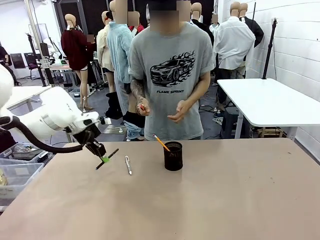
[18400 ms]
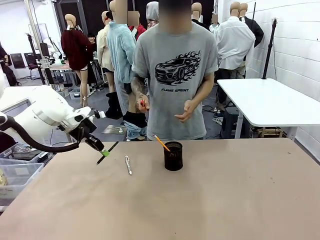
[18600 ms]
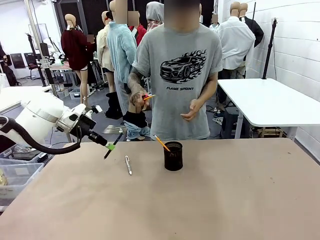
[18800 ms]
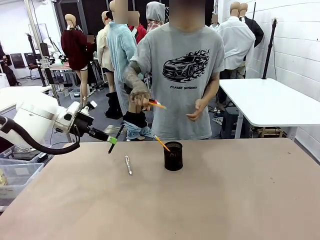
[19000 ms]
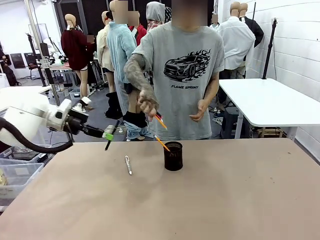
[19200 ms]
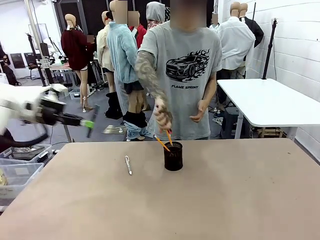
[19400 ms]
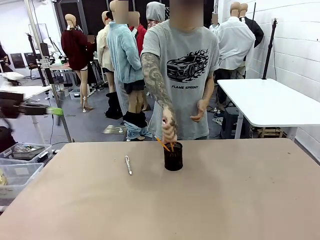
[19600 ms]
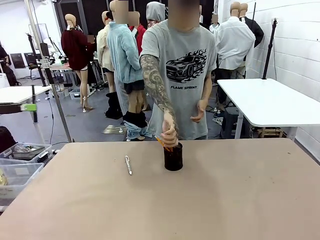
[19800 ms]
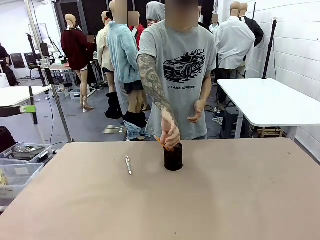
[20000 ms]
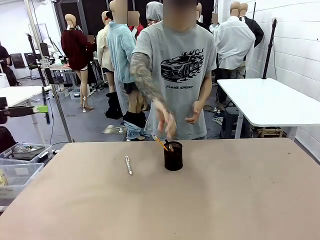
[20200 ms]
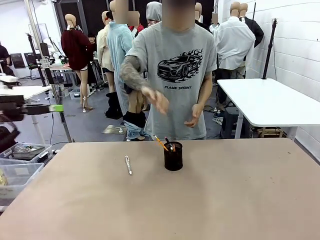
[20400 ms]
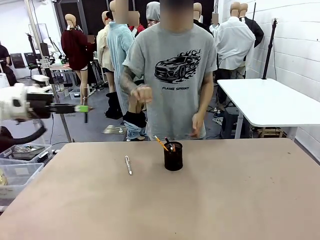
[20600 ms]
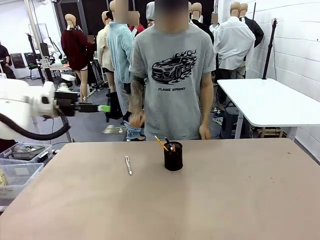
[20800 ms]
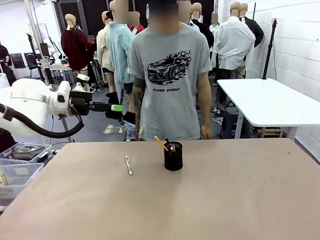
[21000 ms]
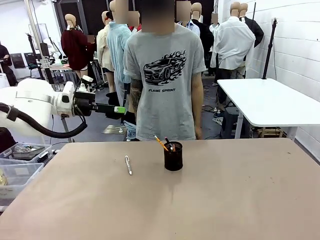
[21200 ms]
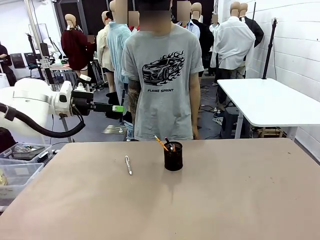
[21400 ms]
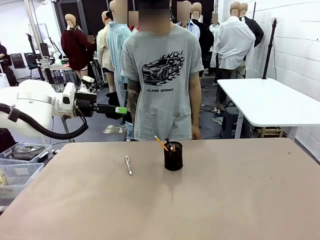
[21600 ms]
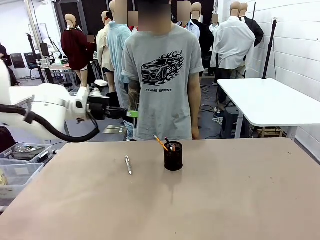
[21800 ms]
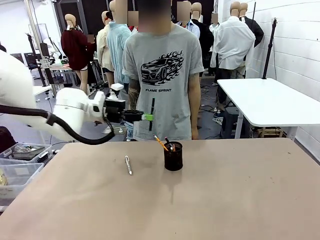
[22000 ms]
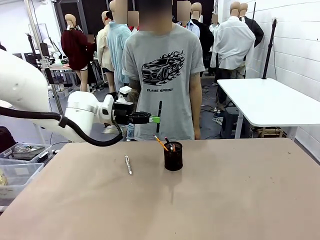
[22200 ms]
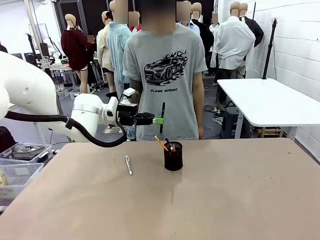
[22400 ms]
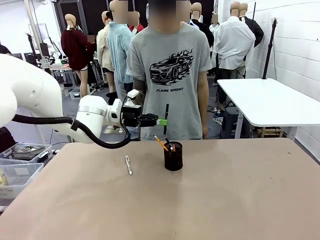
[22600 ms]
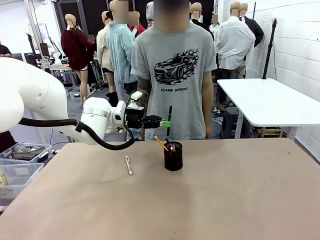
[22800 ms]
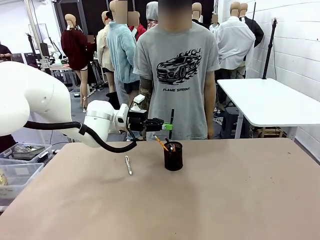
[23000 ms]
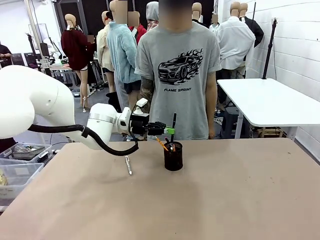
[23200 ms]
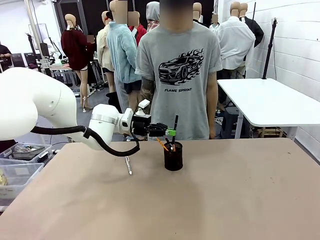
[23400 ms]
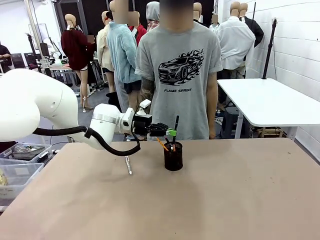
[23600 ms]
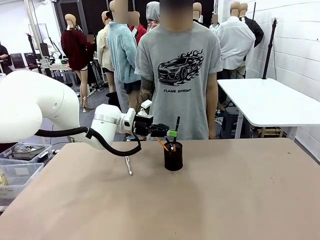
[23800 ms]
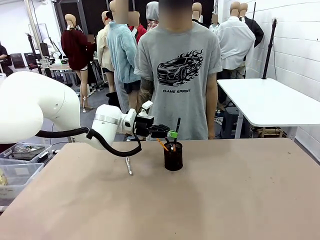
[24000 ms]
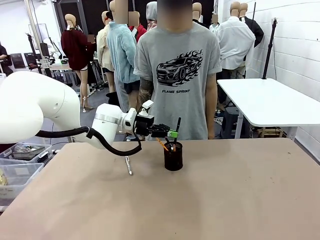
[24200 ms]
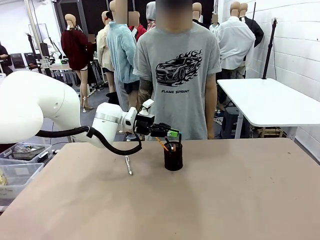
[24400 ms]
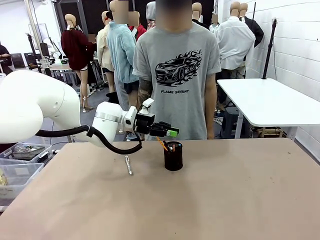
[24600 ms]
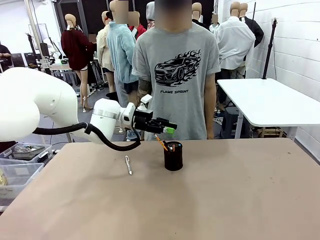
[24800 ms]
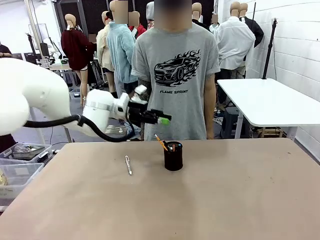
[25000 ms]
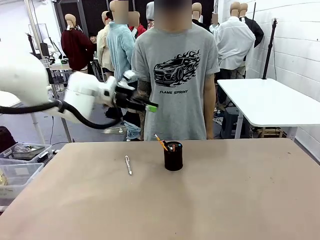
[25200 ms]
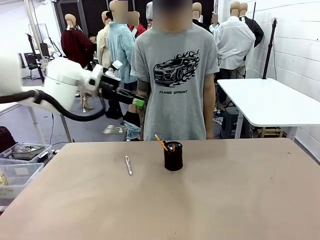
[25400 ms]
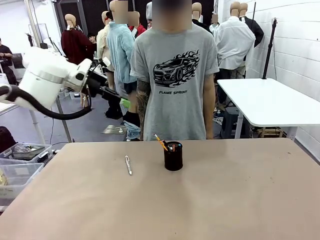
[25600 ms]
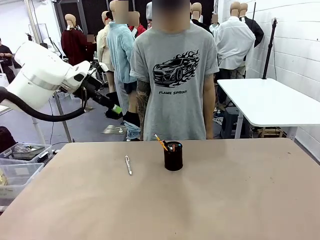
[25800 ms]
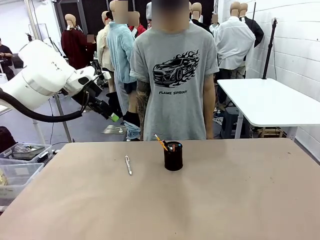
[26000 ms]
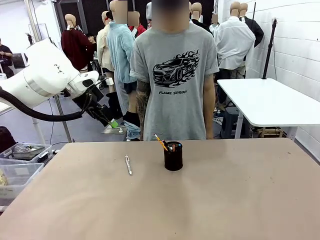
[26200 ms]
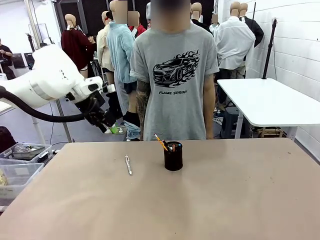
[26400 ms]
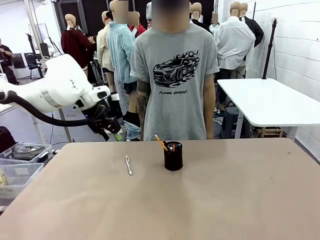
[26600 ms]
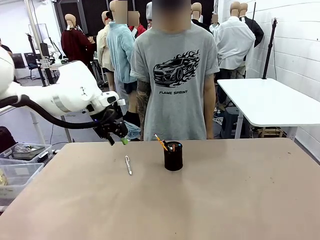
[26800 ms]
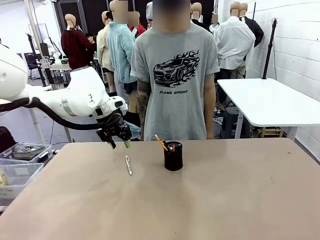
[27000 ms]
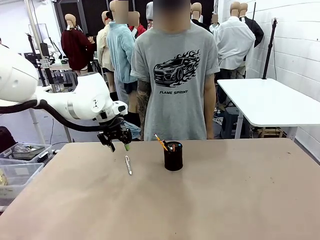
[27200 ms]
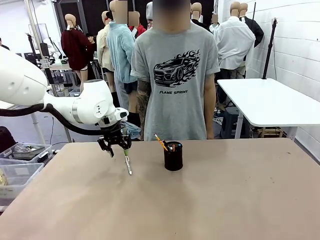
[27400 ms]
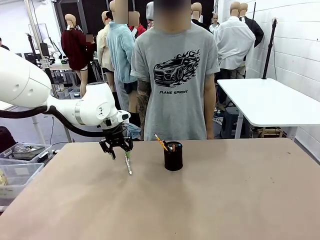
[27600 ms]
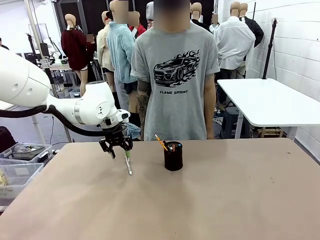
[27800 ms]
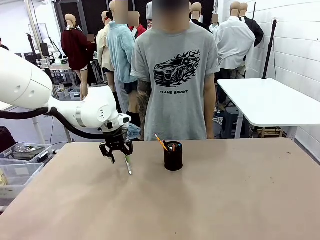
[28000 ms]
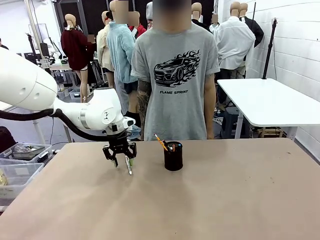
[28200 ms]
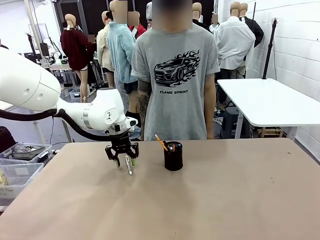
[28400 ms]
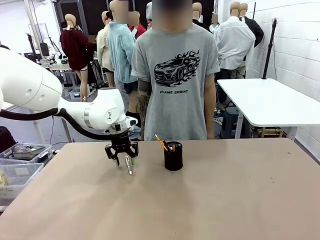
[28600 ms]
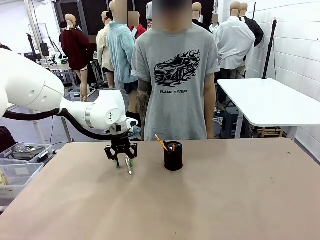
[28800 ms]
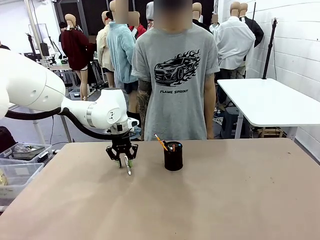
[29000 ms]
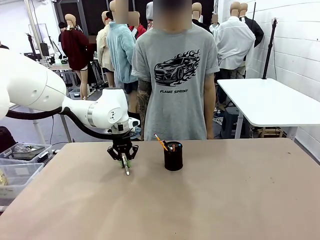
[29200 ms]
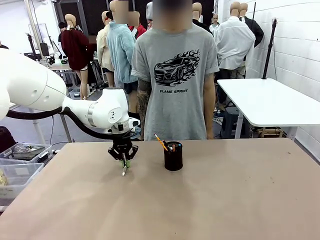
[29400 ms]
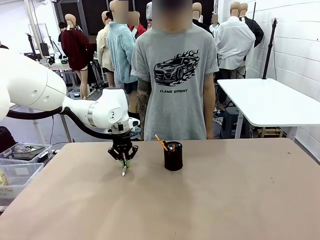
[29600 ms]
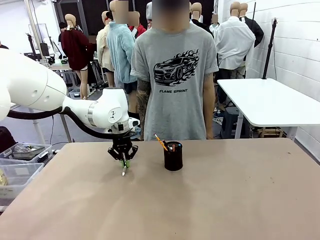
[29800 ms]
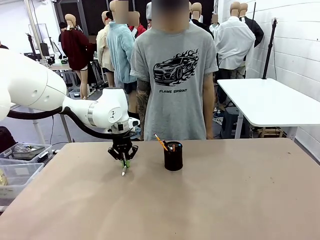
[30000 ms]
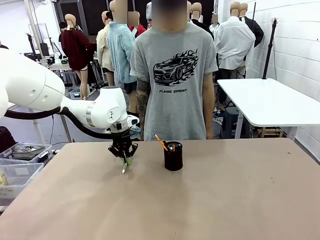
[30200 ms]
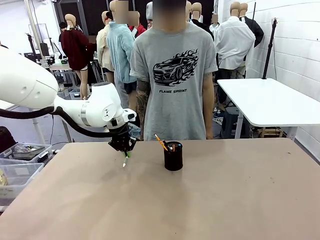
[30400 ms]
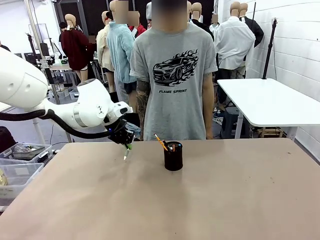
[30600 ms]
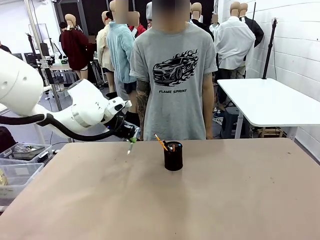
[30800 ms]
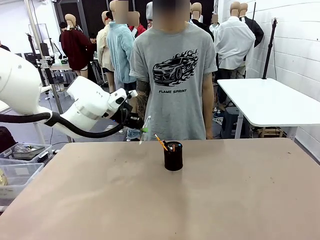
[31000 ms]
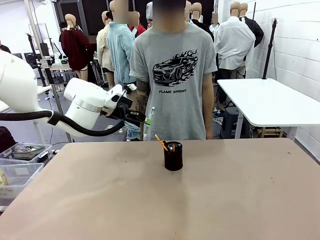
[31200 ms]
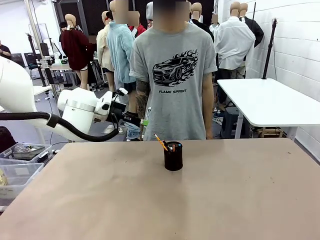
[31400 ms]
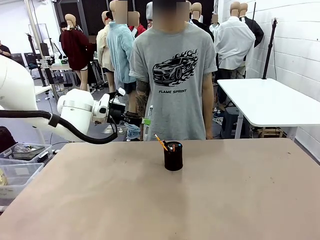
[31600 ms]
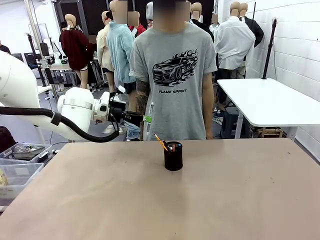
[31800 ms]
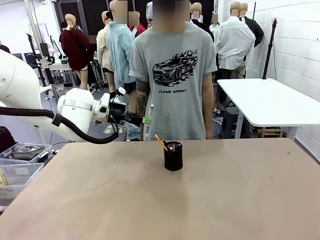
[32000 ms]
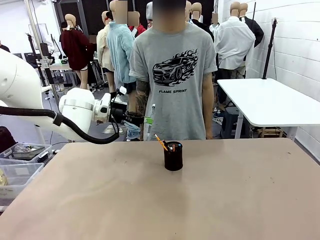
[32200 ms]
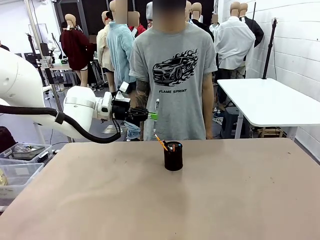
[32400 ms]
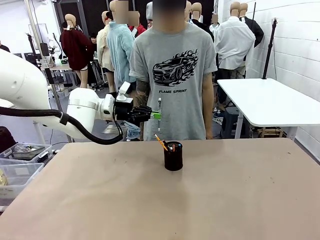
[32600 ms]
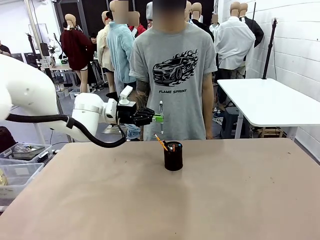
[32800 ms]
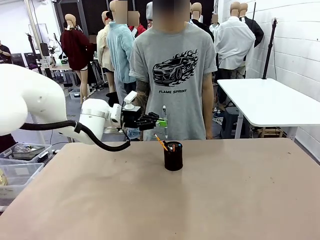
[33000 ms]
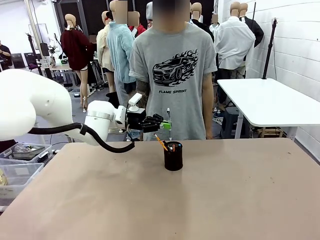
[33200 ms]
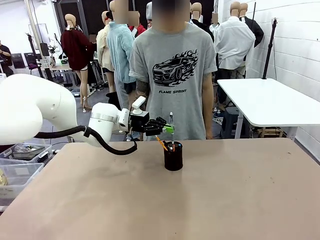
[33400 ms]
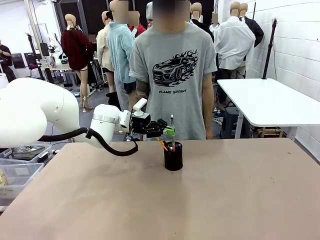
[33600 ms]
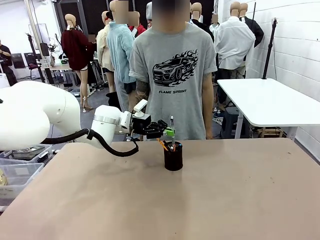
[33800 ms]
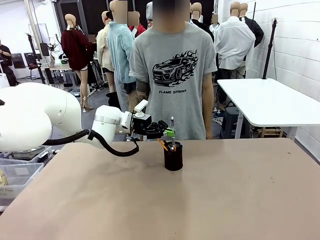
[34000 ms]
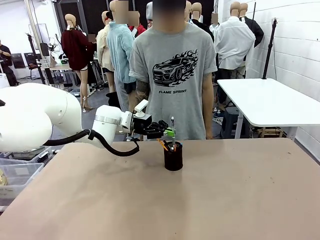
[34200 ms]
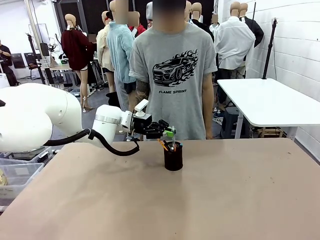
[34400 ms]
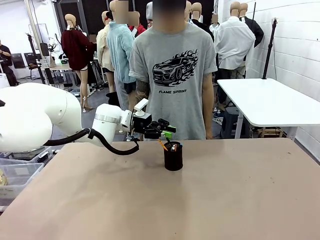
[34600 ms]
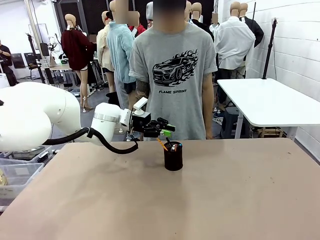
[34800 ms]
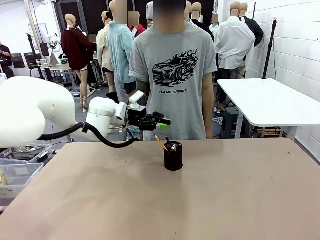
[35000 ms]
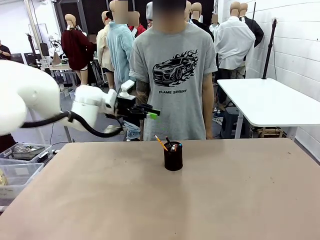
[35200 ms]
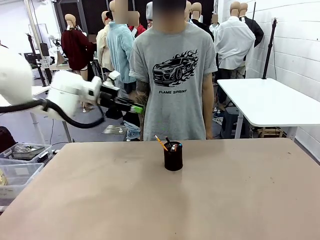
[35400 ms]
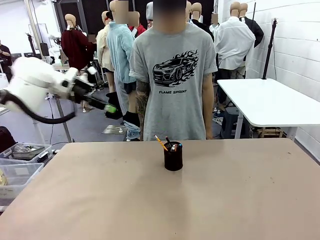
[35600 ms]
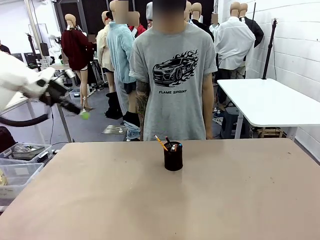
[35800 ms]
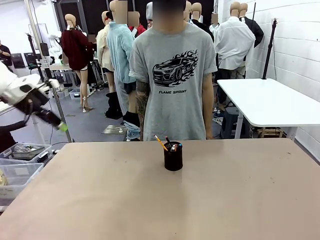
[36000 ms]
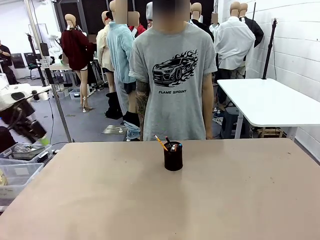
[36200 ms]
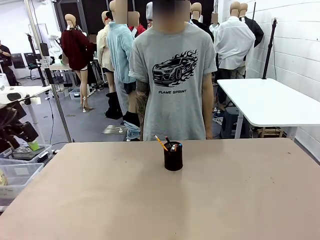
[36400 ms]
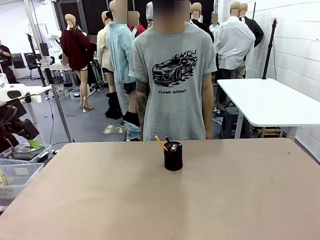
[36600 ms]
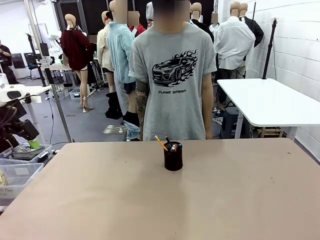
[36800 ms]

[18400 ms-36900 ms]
Task: Place the pens into the pen holder.
Robot: Pick up a writing instrument from the table and place it into the Pen holder.
Person: Place all writing instrument into the Pen holder.
